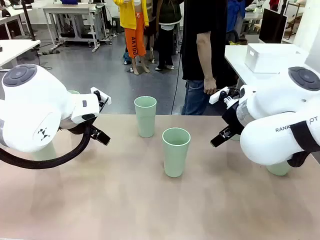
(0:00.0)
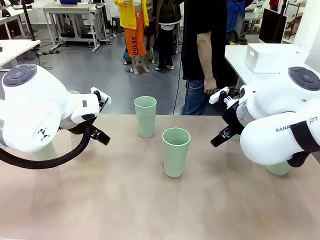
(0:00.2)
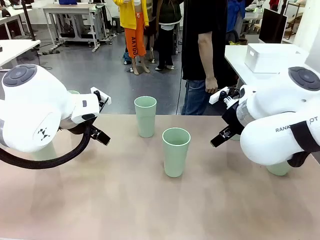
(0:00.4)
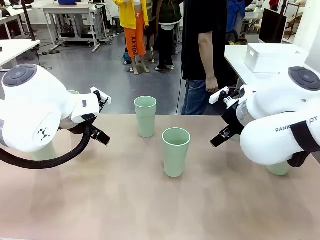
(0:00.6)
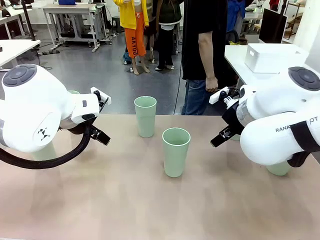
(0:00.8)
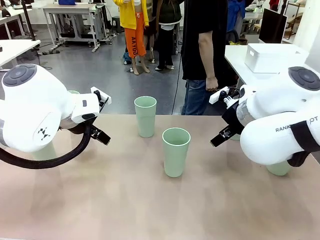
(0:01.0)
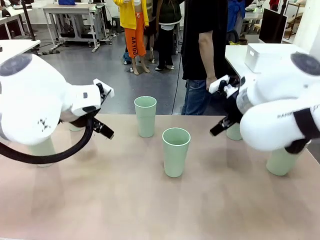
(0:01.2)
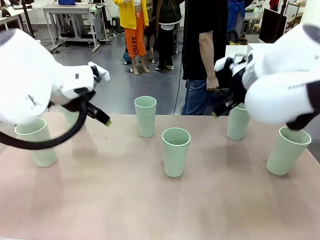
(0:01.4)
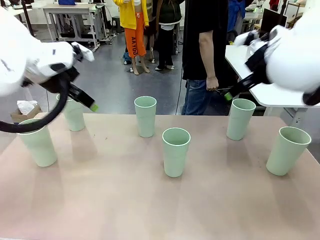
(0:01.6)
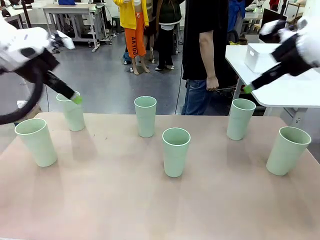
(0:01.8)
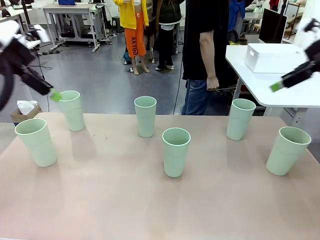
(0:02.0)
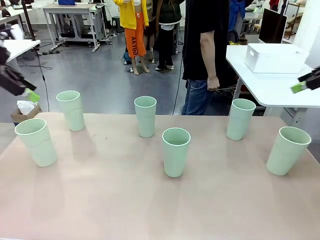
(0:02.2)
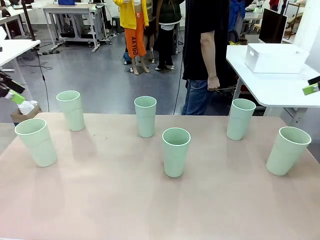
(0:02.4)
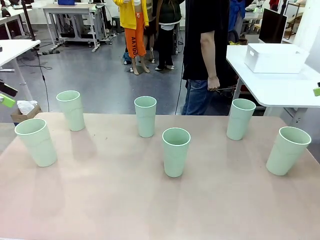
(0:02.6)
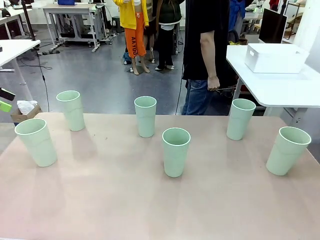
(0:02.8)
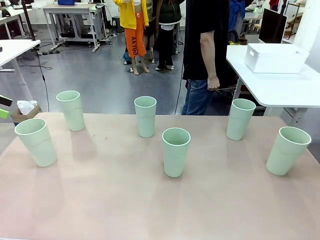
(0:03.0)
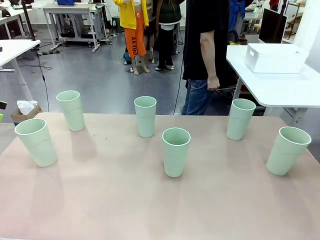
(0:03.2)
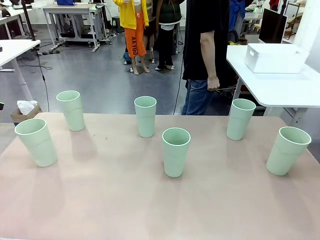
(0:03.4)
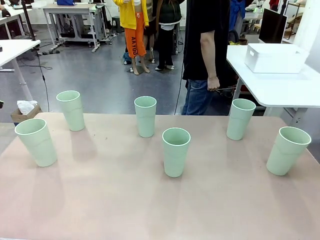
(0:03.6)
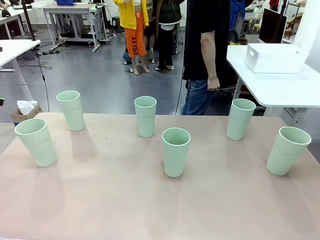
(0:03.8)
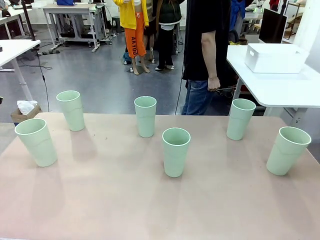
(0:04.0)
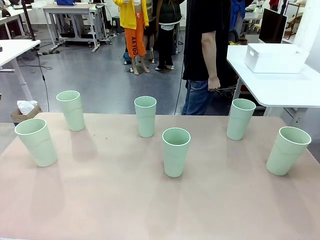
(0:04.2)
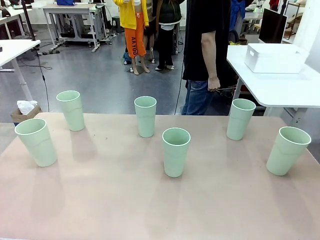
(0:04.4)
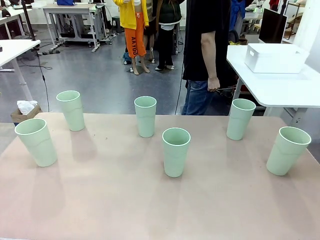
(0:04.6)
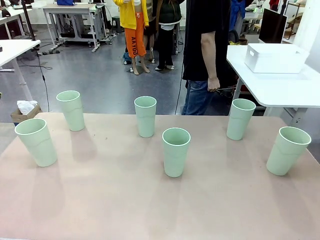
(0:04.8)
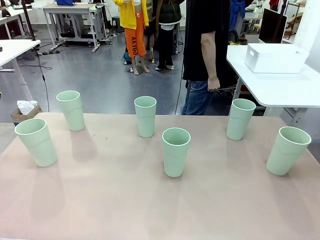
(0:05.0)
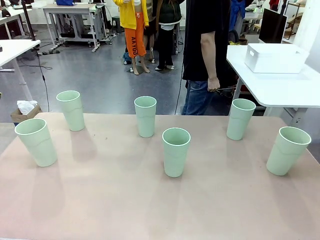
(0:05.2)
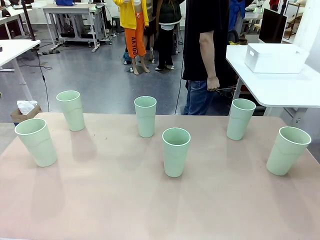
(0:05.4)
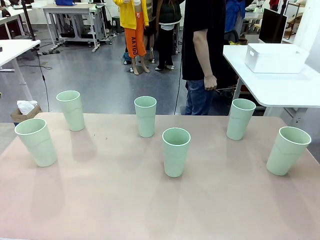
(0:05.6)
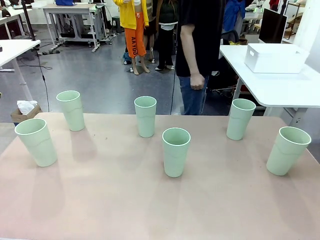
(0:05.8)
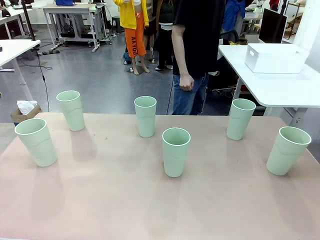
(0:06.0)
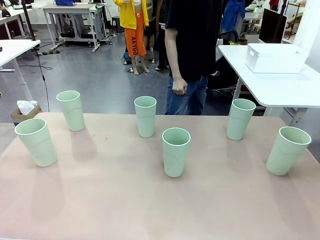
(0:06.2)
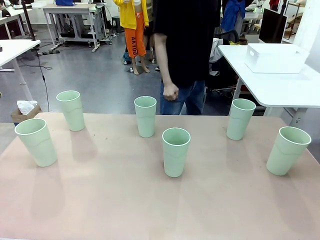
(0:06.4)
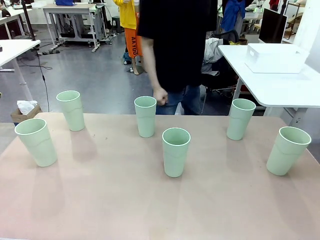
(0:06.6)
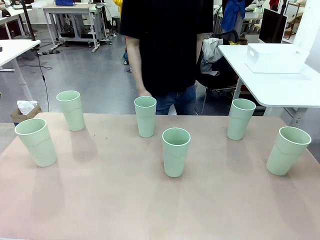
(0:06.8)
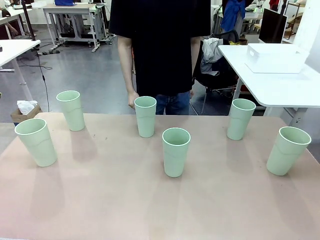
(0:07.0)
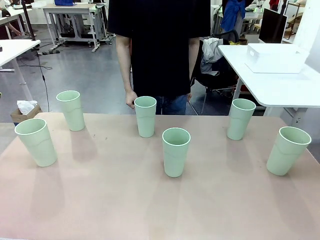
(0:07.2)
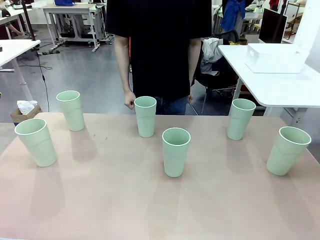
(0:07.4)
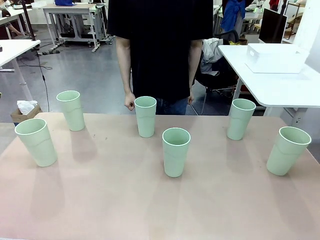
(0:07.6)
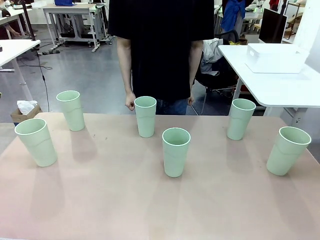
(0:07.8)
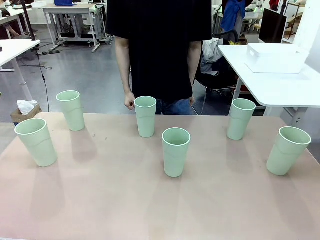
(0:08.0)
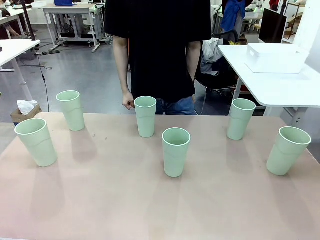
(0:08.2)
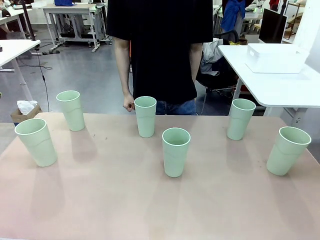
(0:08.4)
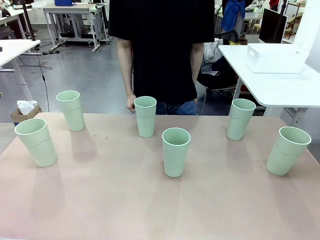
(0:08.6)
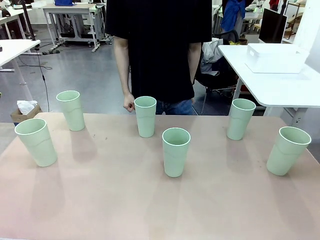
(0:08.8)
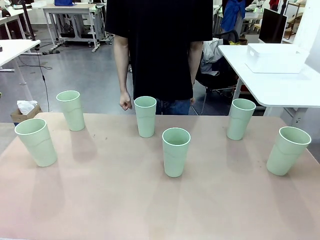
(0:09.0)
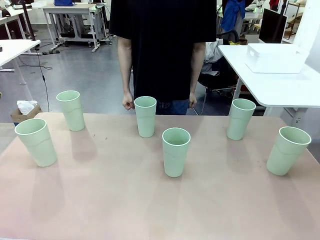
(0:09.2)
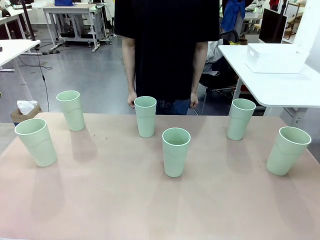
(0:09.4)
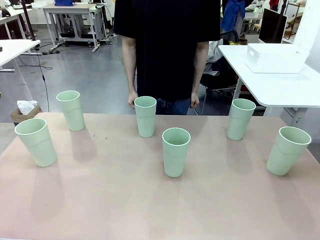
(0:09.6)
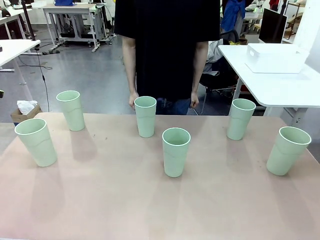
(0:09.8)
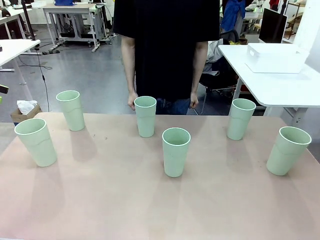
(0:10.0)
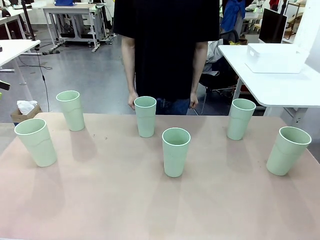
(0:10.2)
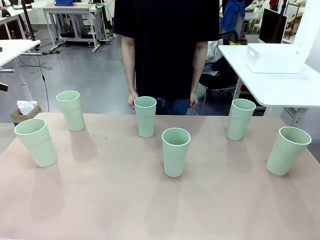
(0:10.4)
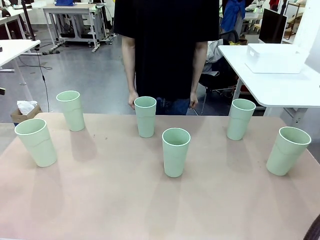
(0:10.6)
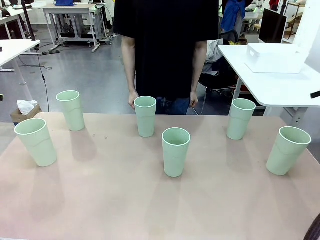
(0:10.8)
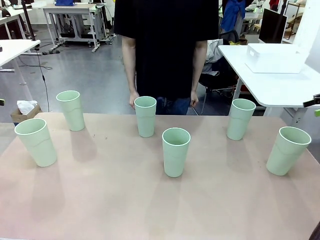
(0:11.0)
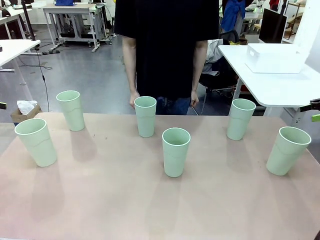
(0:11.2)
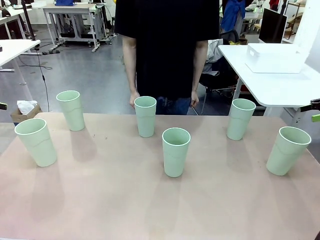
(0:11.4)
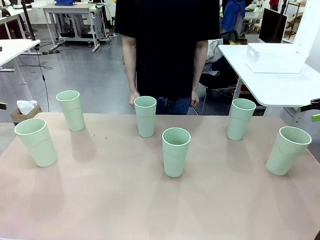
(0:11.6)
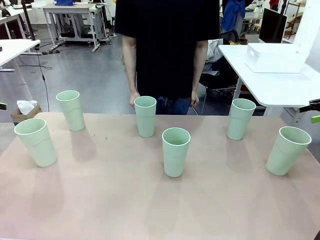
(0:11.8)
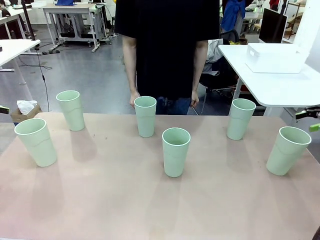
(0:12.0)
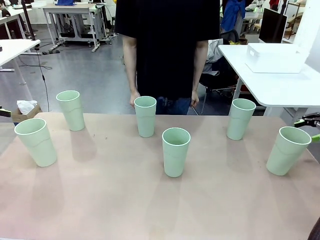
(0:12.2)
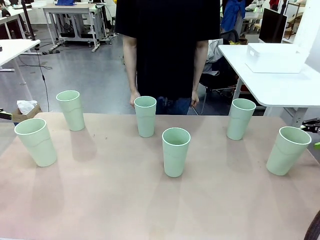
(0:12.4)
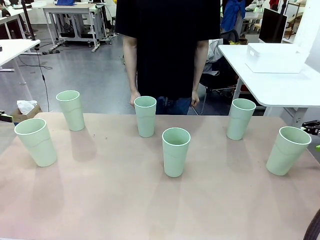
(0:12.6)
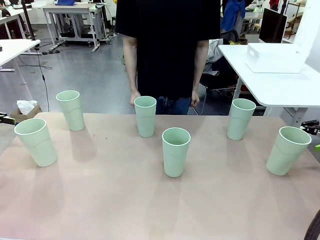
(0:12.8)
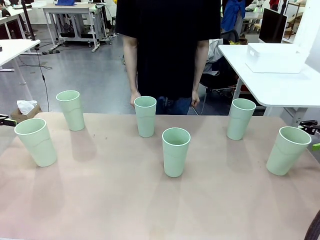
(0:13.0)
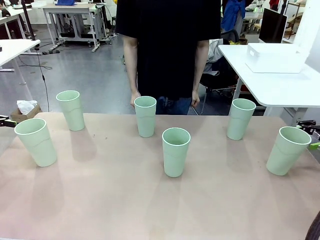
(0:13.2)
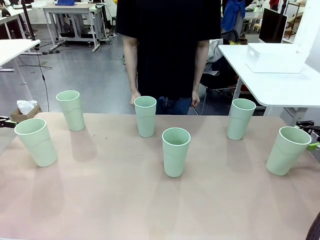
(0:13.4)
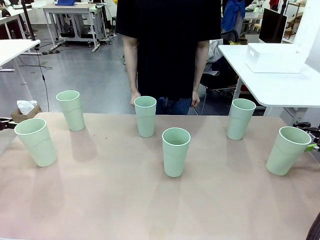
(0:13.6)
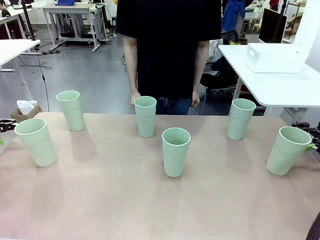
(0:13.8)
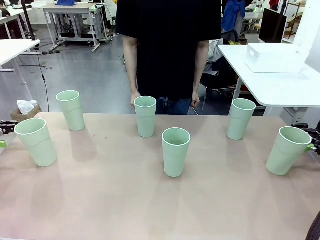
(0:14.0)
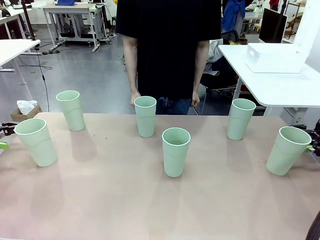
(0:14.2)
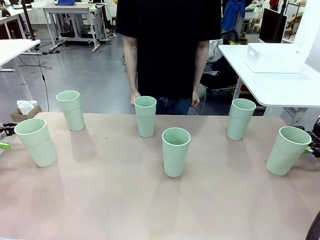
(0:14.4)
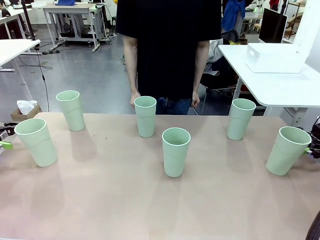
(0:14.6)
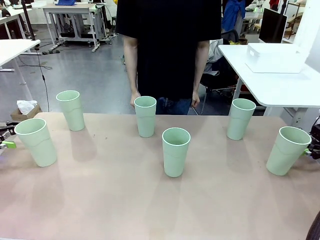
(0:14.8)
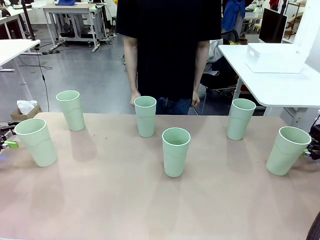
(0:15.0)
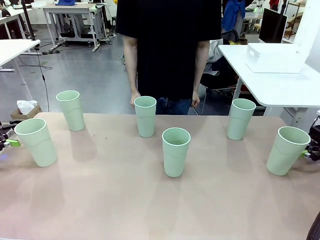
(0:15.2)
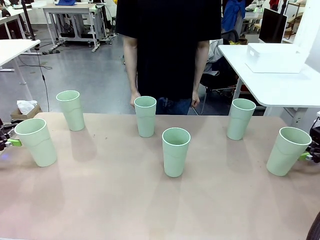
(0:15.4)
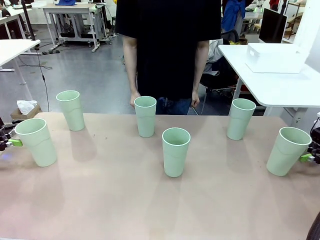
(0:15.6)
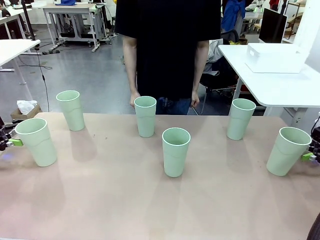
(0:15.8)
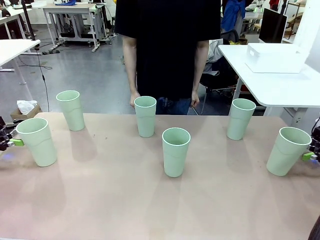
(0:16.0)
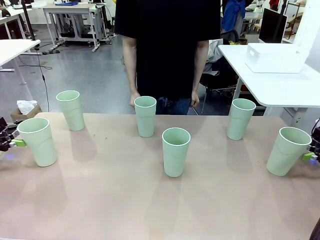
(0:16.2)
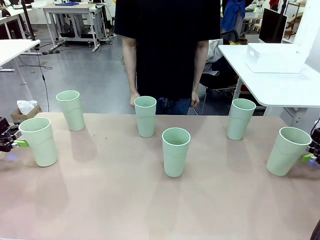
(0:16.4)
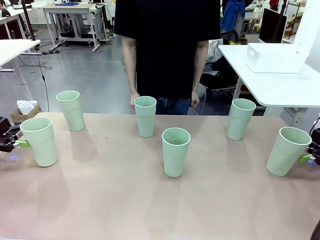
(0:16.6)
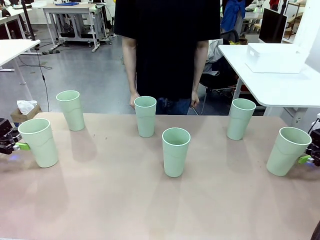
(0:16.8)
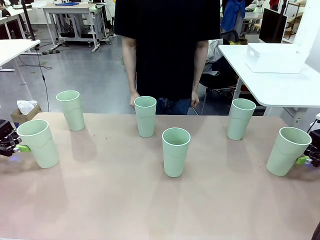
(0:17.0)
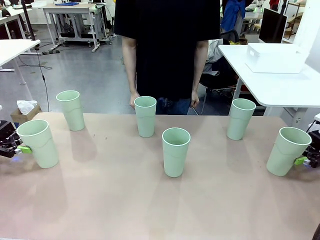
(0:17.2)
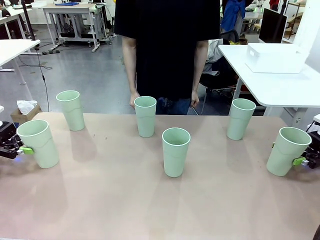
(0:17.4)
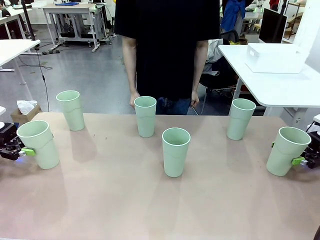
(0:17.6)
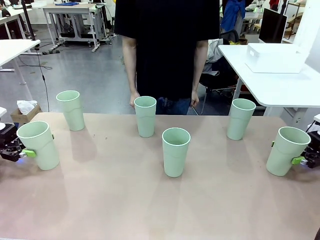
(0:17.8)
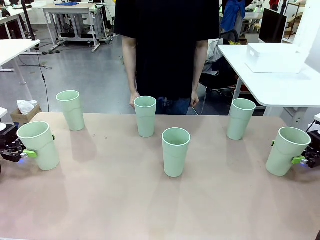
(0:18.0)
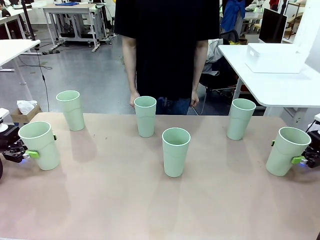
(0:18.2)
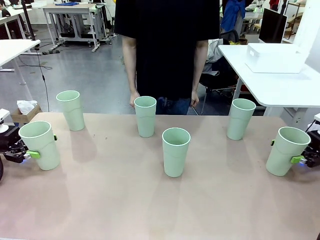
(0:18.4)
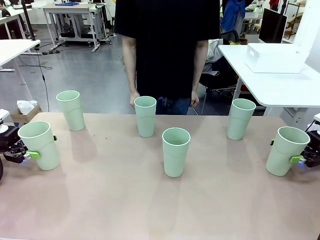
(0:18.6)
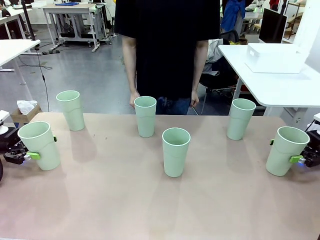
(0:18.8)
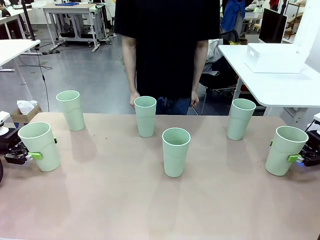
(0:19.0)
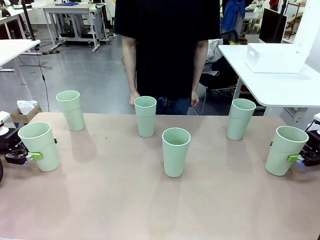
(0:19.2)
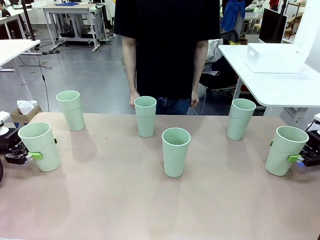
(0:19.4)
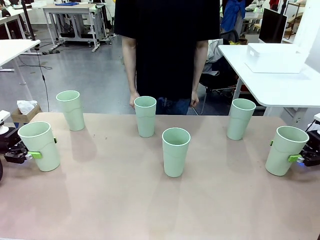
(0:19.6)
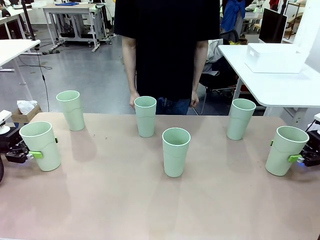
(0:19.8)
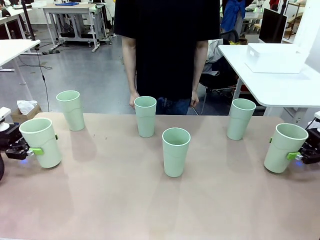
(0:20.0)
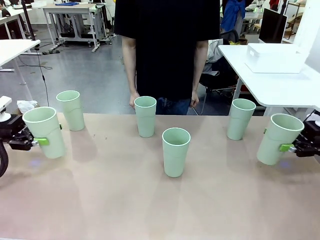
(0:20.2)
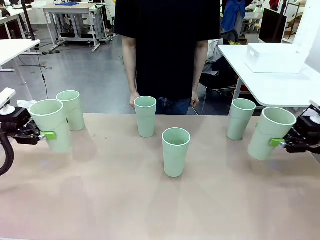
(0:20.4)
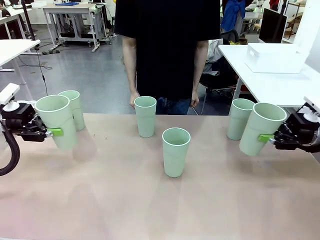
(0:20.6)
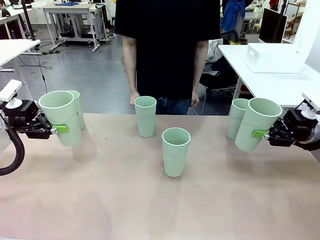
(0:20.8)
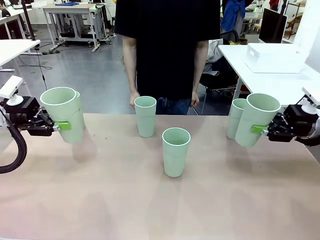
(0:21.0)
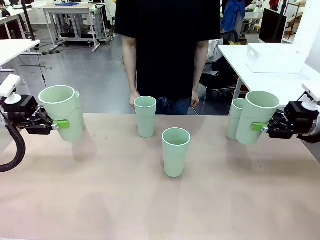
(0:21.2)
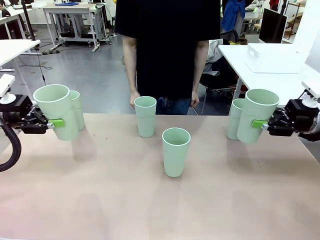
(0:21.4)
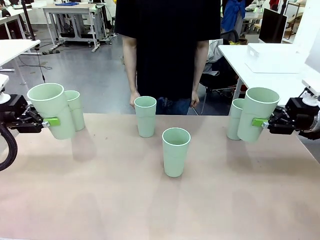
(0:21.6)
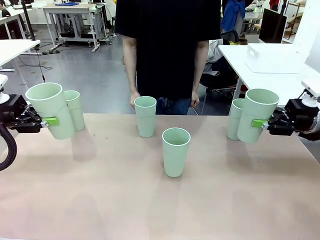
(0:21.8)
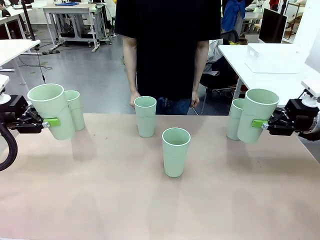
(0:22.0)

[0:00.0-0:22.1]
Task: Stack the cups and store them in the basket.
Robot: Pick up two Reusable plastic cups , one in each hand.
Person: Move from the Human Table to the front of the Robot Table. Stack two of the remaining cups on top of each cup held by the robot.
